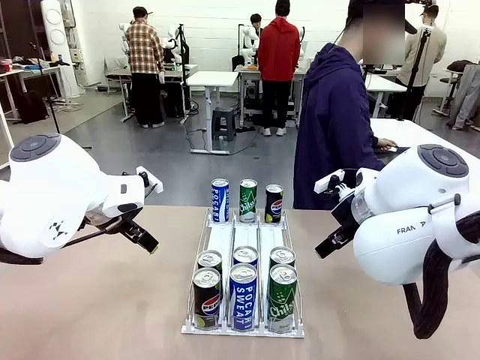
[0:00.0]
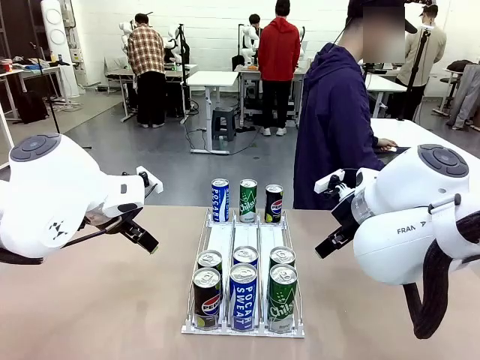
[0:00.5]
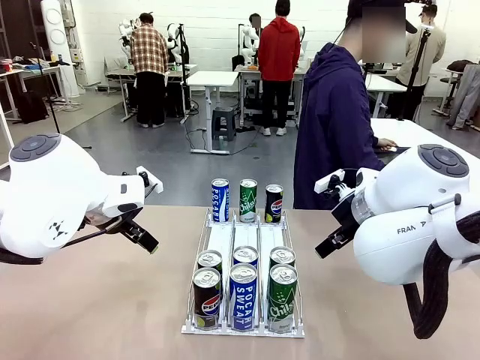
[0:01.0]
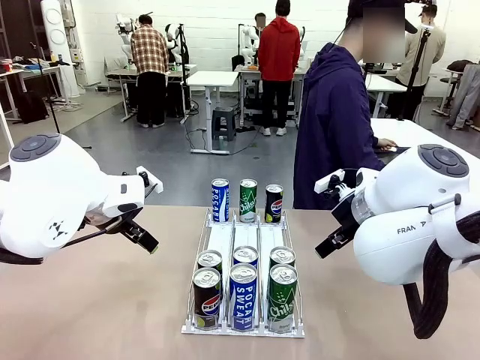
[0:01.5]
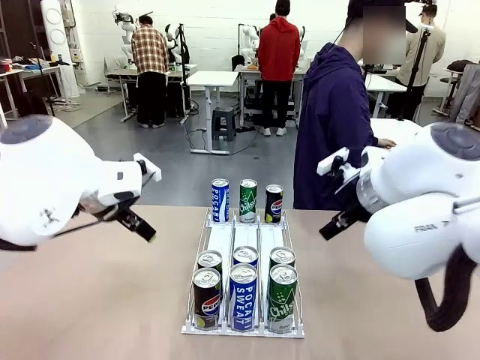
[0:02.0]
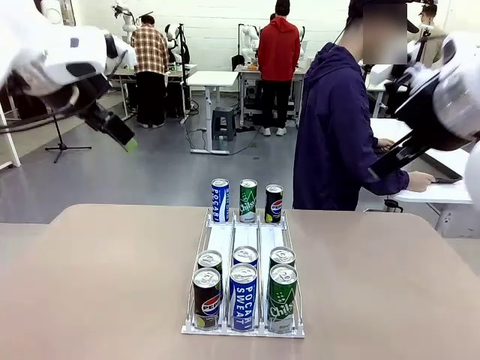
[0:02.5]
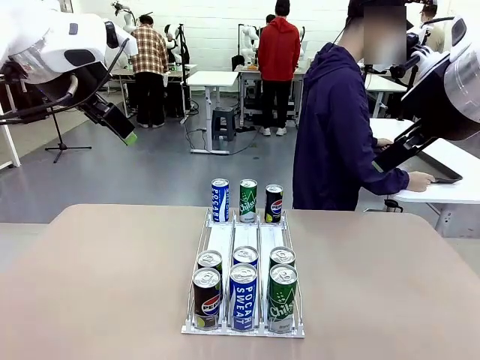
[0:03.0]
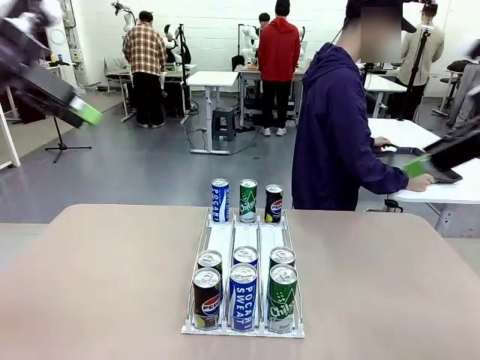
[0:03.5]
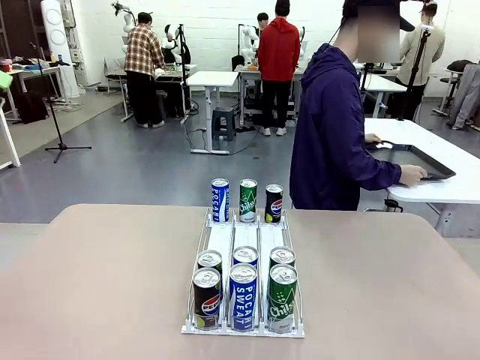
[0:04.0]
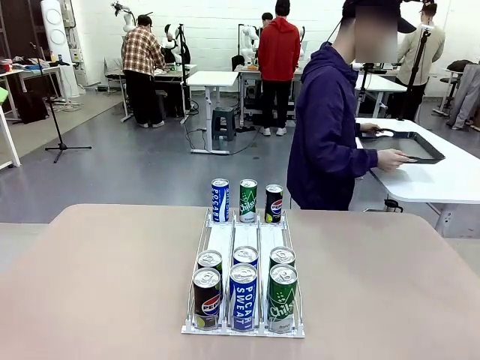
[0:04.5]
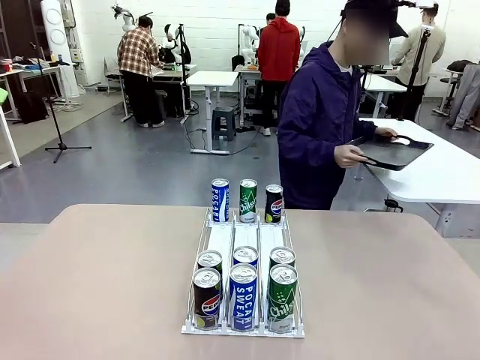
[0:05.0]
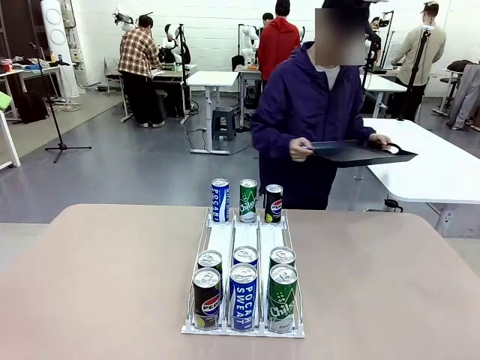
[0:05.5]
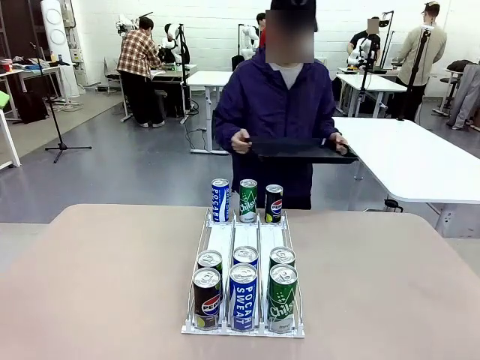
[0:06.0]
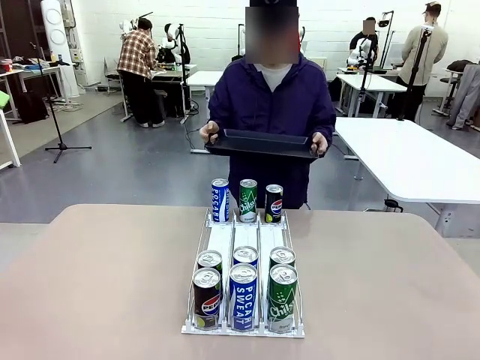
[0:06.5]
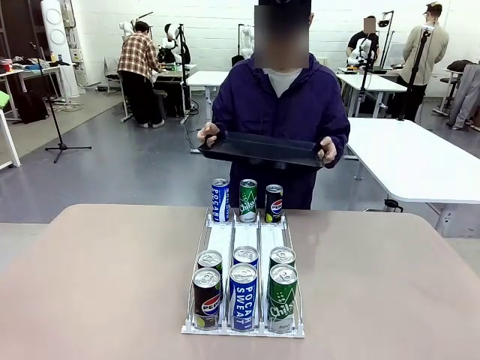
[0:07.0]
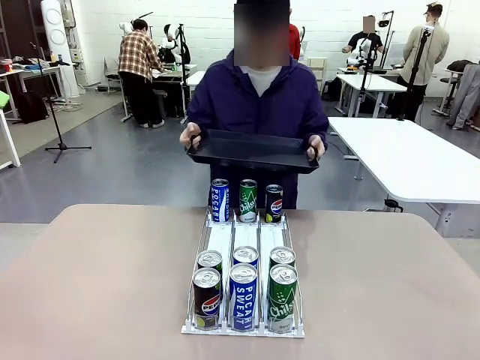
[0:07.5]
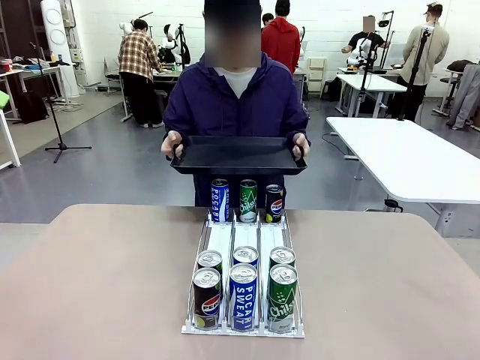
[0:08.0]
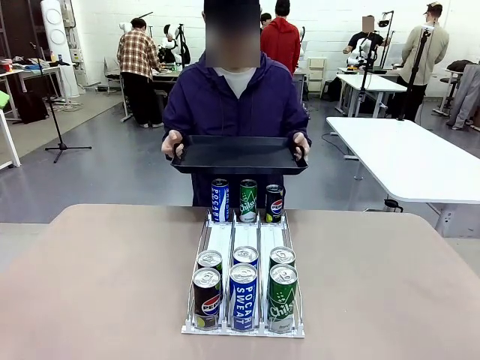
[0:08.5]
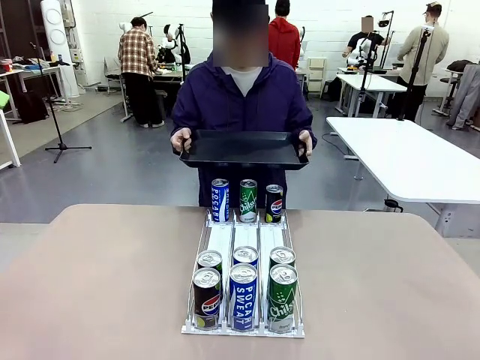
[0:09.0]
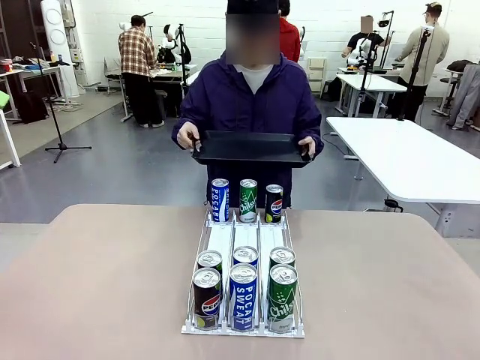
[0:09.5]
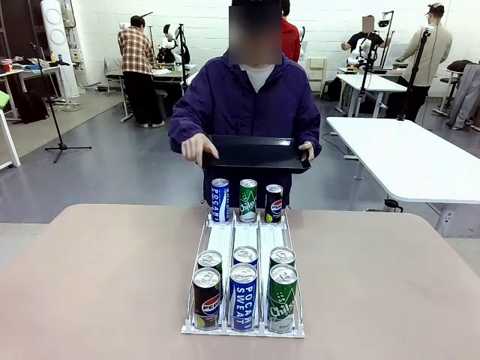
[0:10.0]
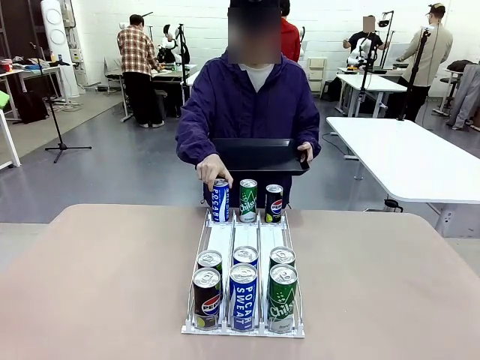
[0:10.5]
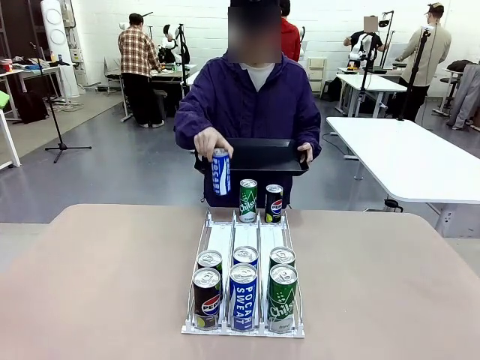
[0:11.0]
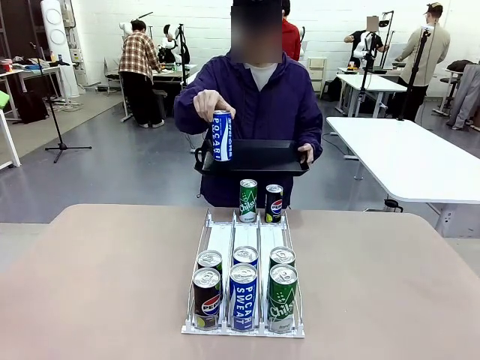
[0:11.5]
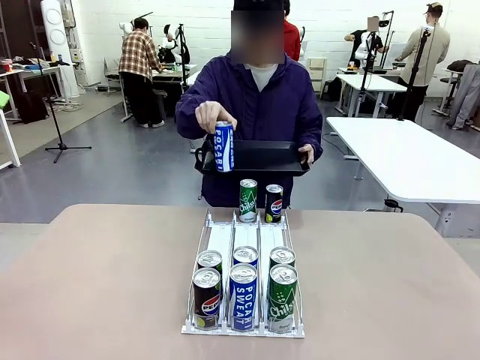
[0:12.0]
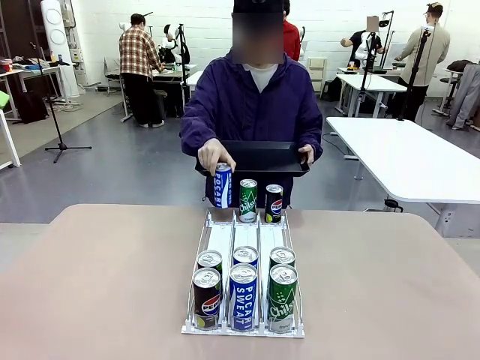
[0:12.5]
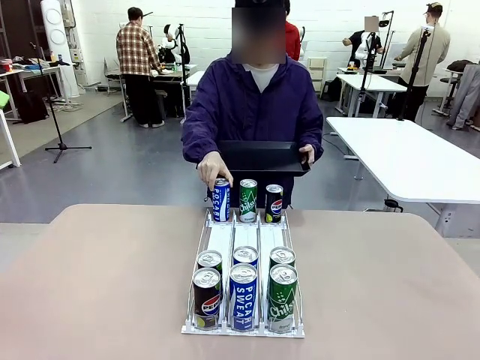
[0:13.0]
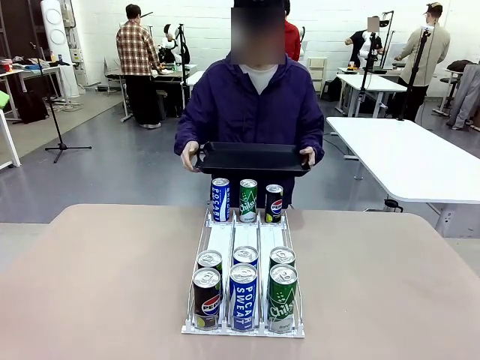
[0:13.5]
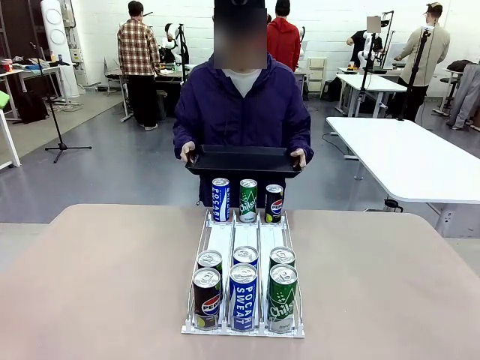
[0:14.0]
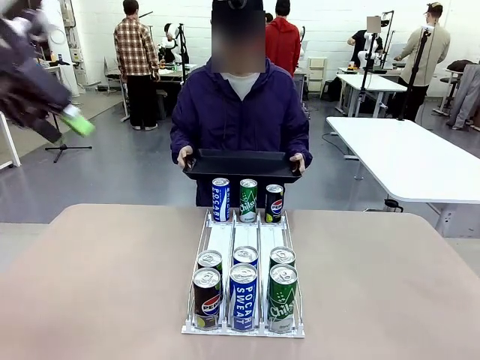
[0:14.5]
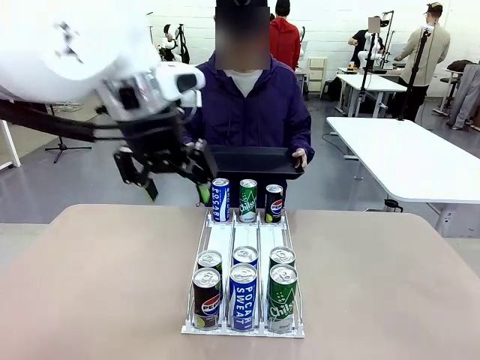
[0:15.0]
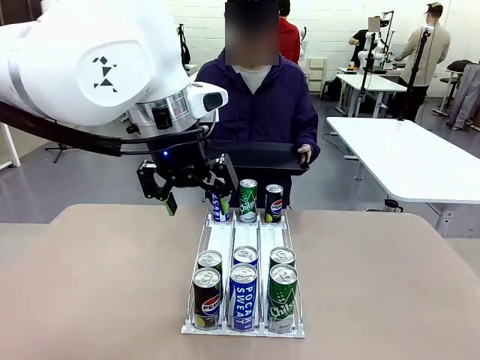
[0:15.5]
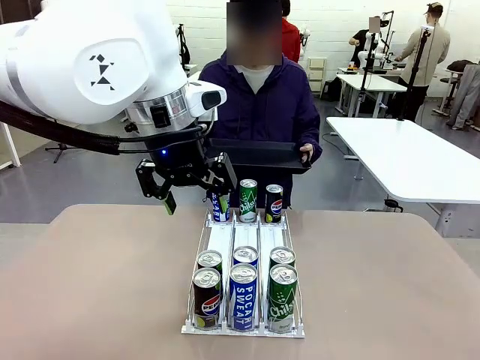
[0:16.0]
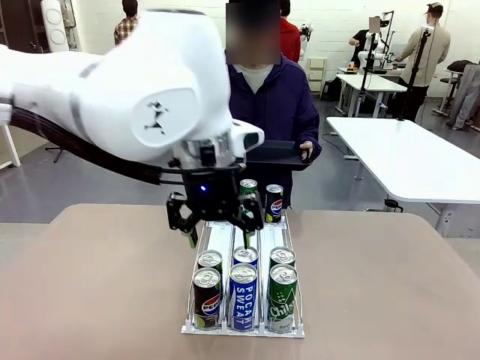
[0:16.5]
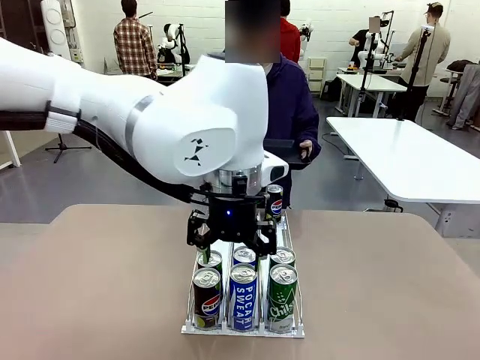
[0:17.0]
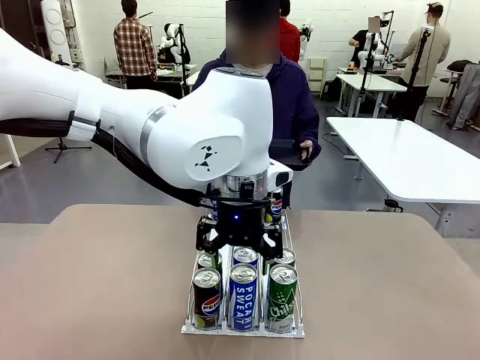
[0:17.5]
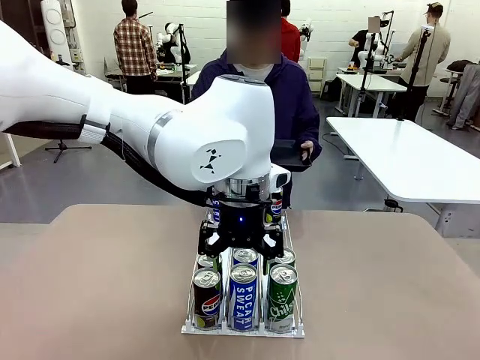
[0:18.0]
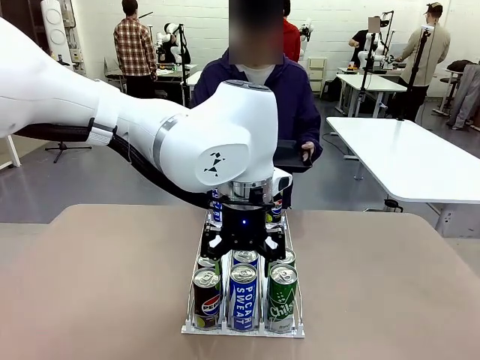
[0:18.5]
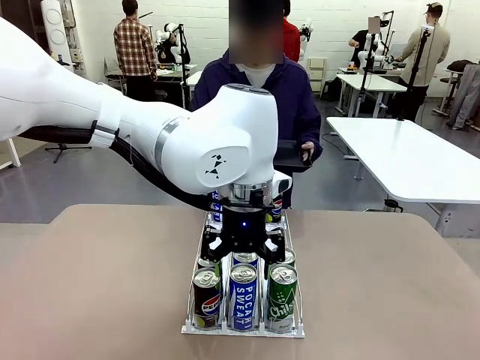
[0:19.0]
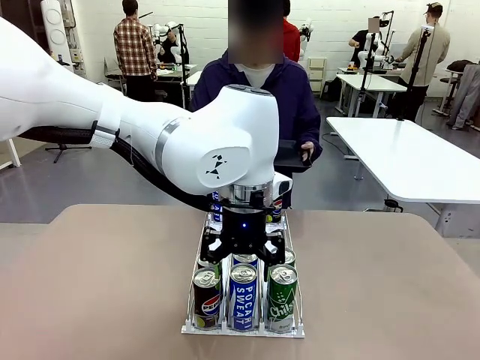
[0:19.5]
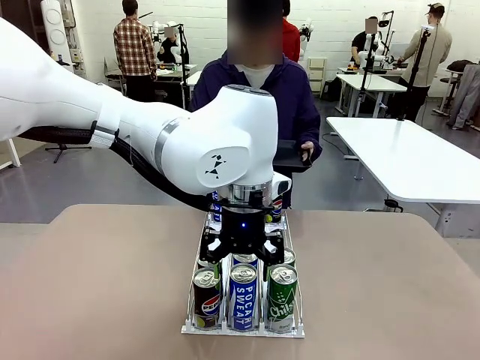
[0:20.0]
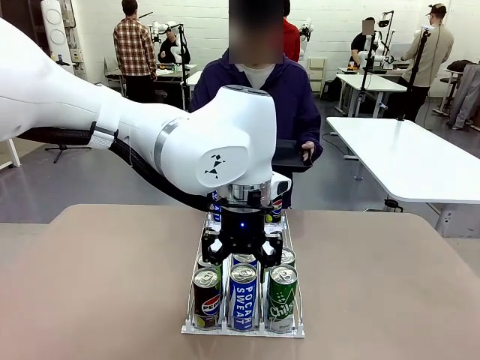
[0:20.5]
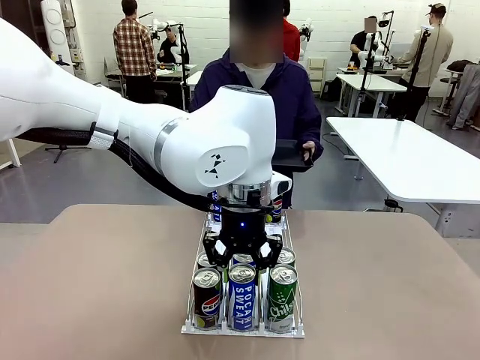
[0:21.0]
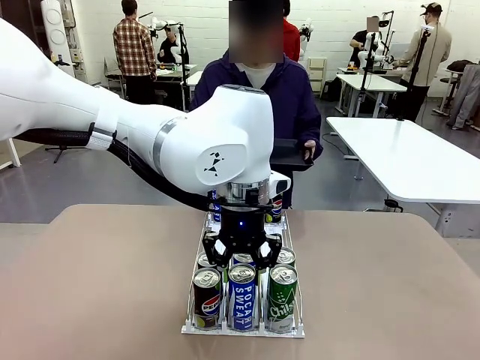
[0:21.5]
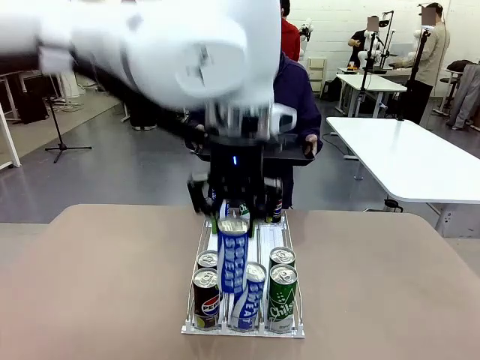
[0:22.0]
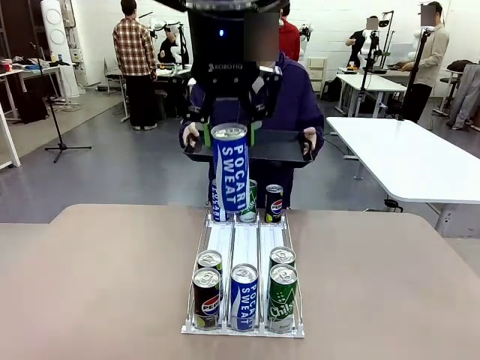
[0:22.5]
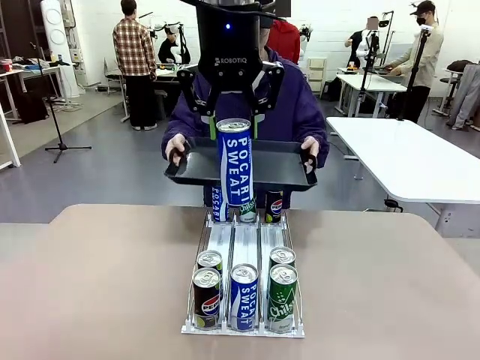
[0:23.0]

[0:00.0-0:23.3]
Task: Retrieve and hand over the desired beverage to the person.
Robot: Pick up a can of the same type that the person held from the Automatic Can Dispenser.
Person: Hold the tray and position yourself in front of the robot table. Pick up one can from the bottom area of the table and puts it back in its original place. Push the tray toward the robot.
